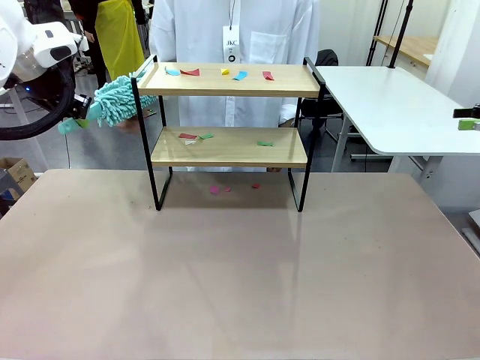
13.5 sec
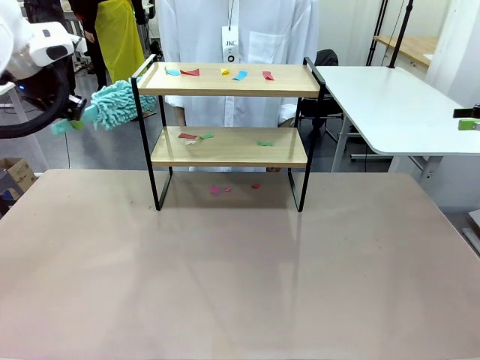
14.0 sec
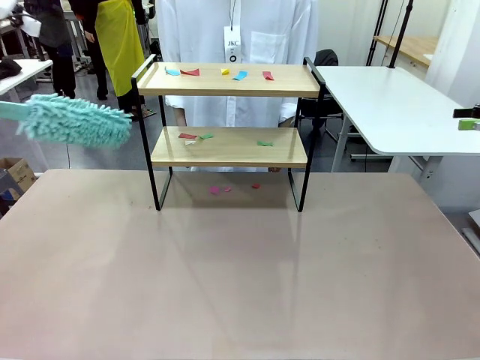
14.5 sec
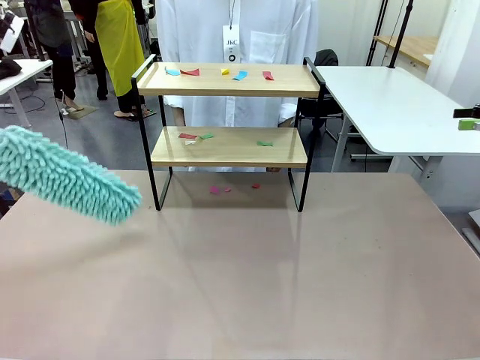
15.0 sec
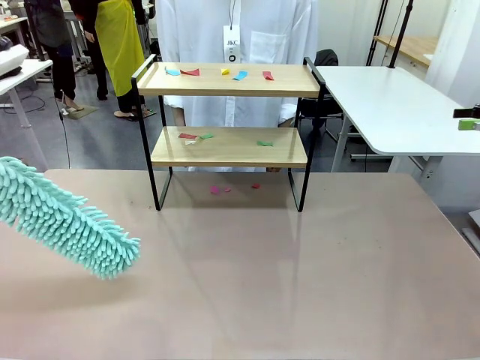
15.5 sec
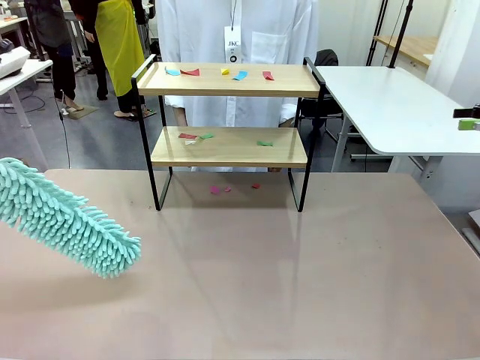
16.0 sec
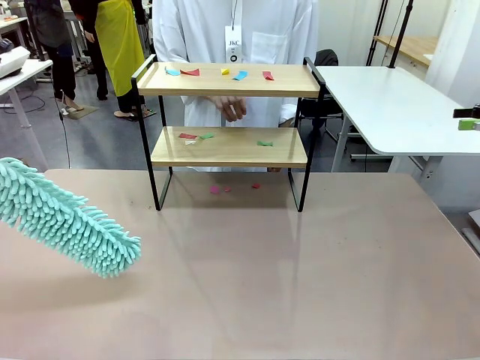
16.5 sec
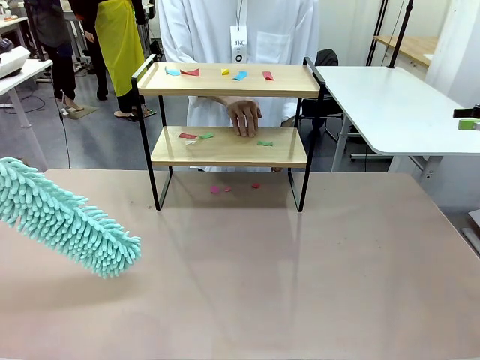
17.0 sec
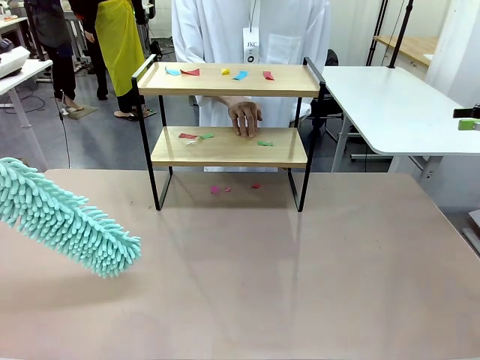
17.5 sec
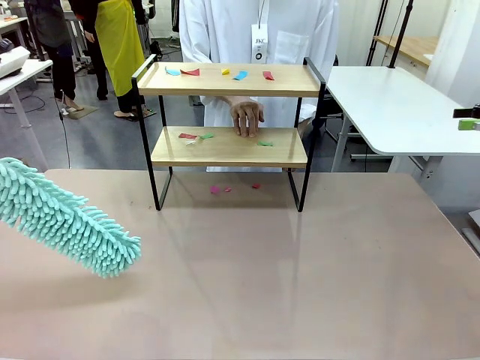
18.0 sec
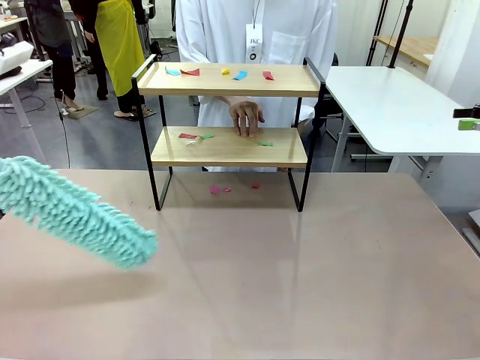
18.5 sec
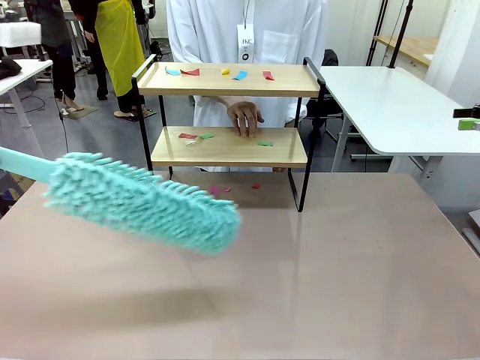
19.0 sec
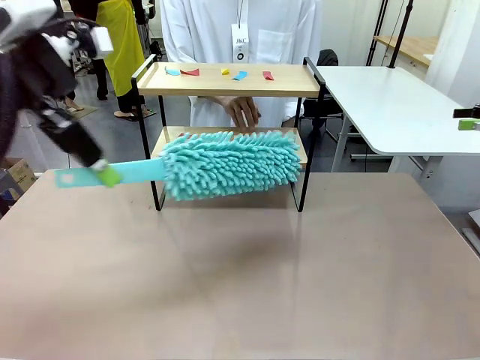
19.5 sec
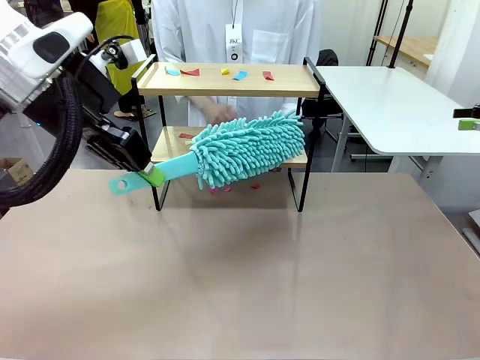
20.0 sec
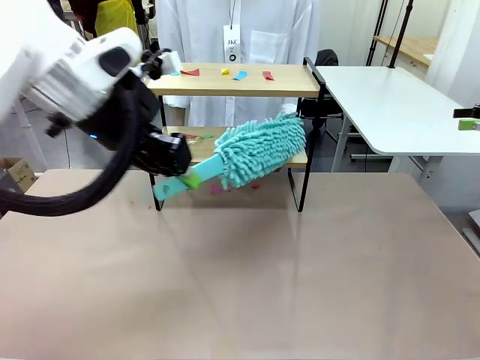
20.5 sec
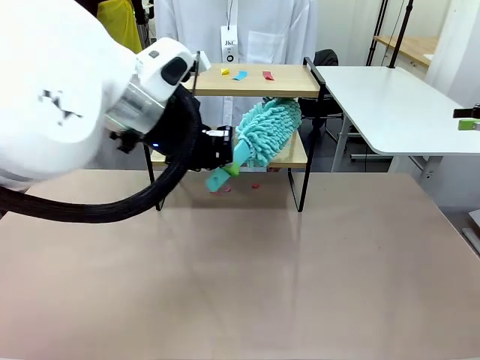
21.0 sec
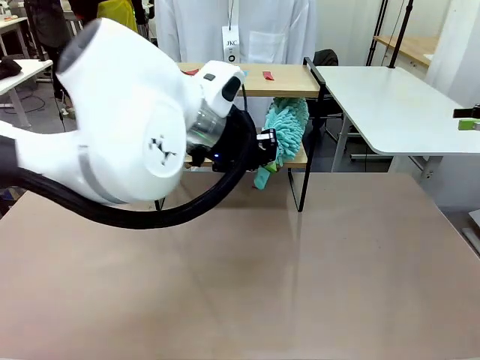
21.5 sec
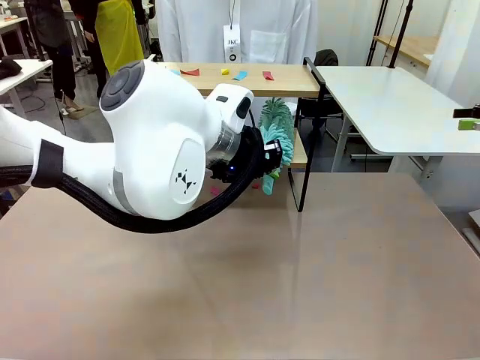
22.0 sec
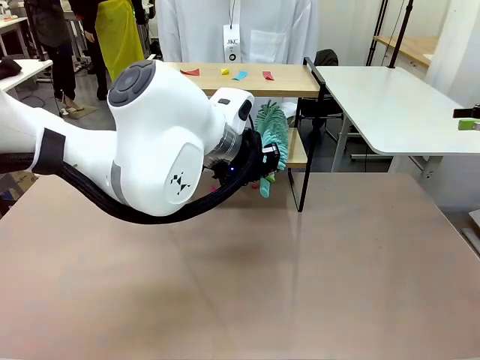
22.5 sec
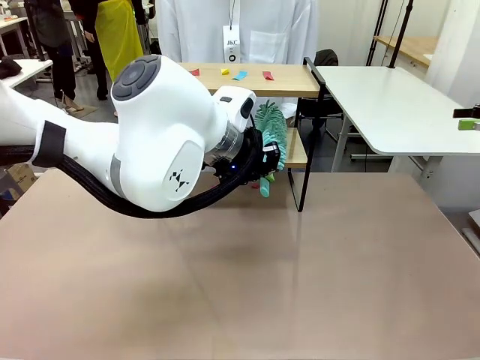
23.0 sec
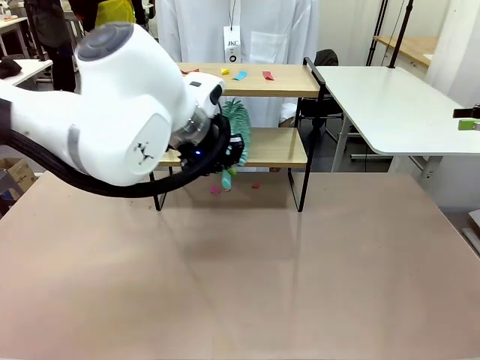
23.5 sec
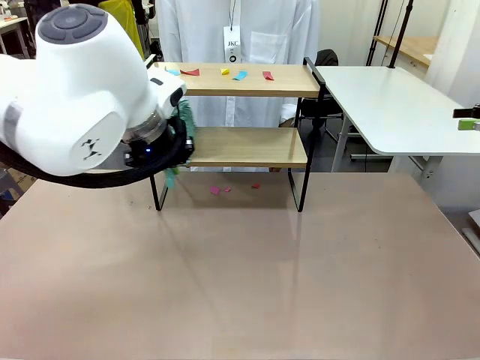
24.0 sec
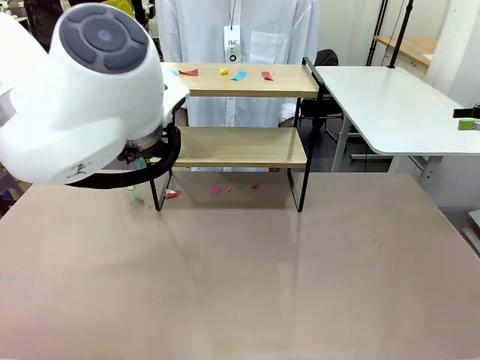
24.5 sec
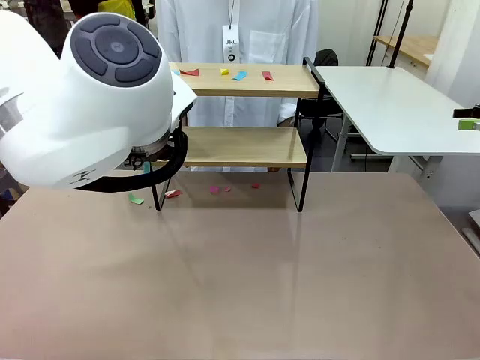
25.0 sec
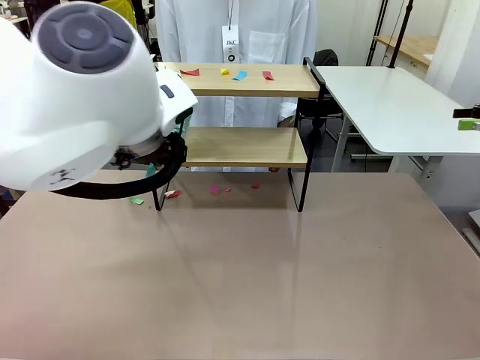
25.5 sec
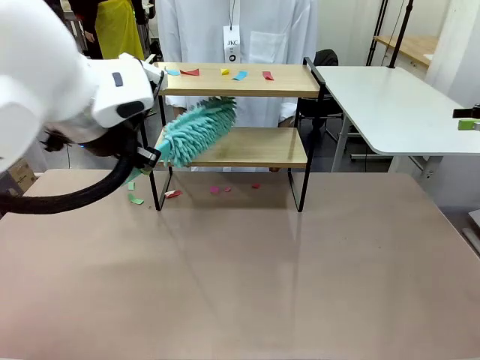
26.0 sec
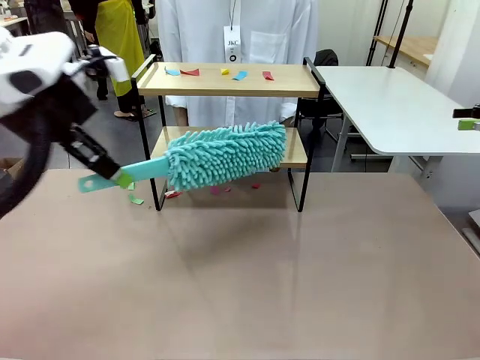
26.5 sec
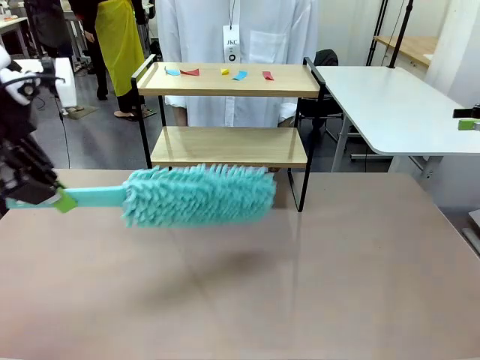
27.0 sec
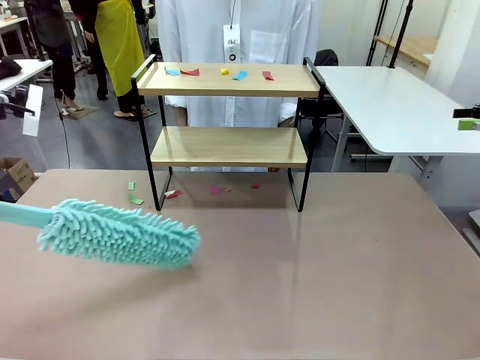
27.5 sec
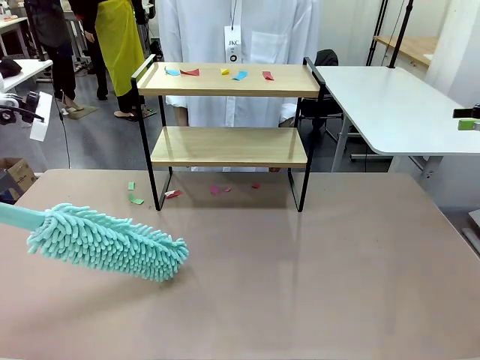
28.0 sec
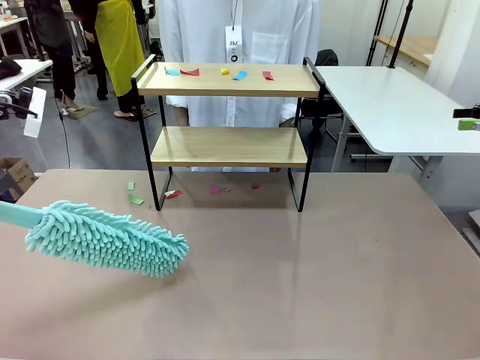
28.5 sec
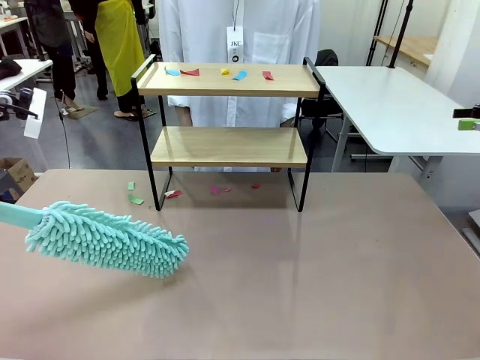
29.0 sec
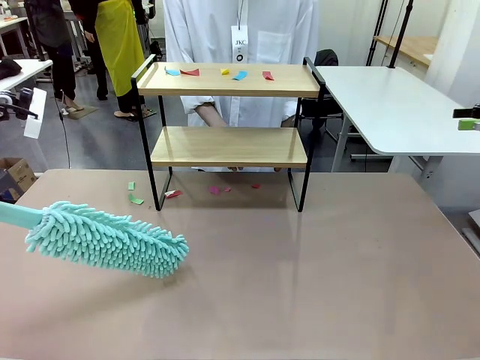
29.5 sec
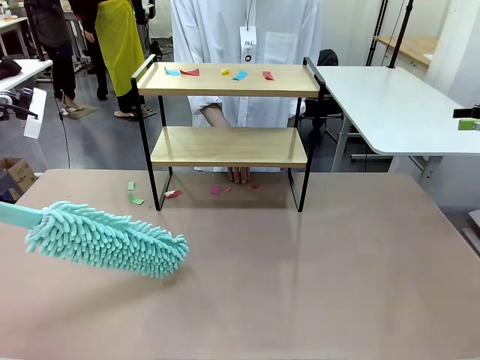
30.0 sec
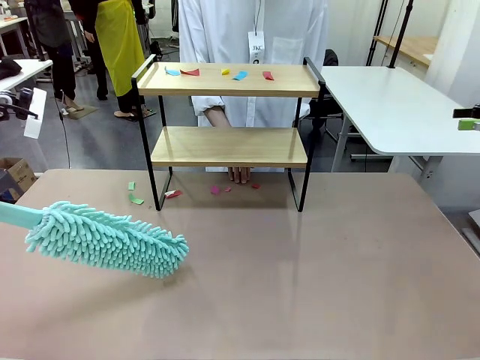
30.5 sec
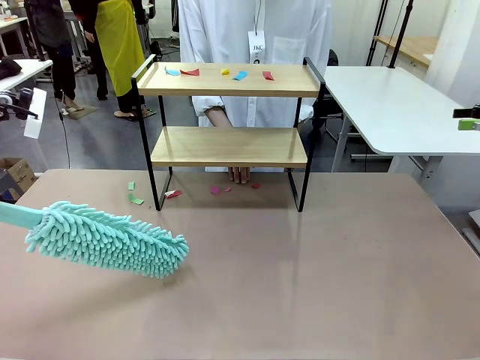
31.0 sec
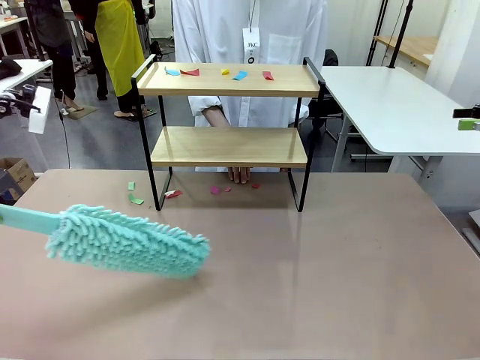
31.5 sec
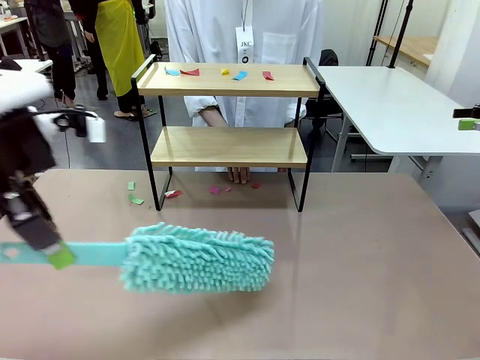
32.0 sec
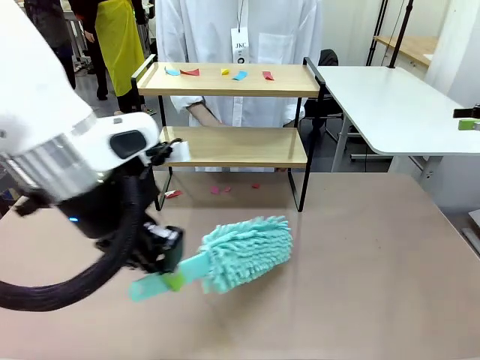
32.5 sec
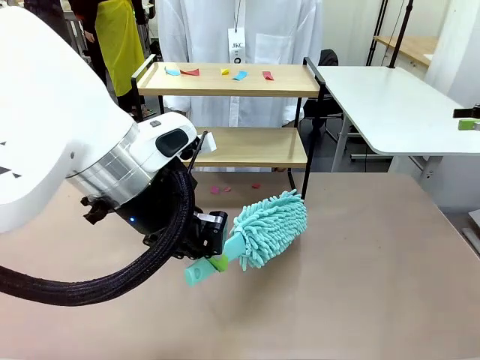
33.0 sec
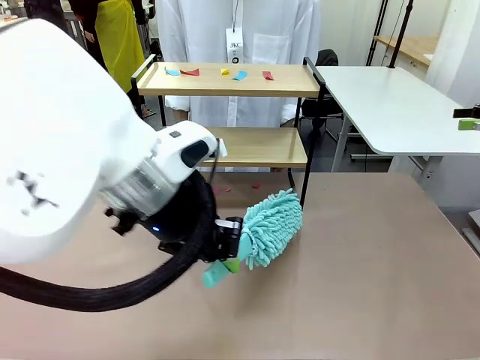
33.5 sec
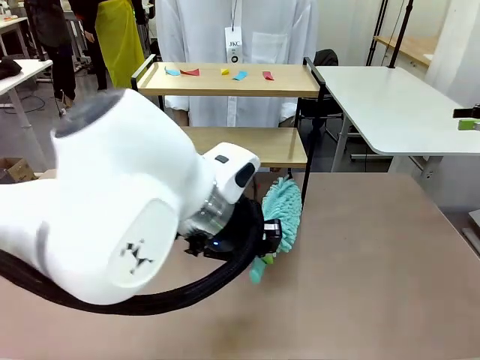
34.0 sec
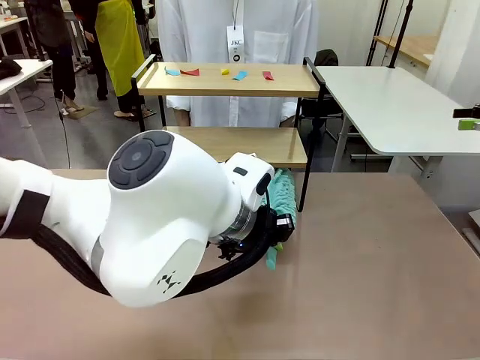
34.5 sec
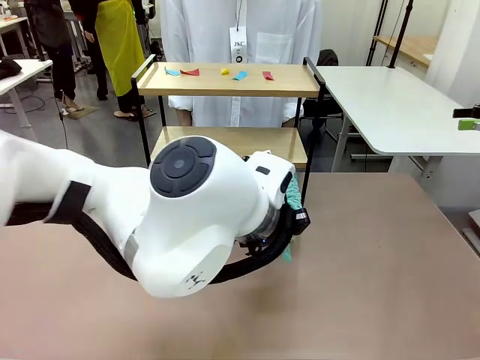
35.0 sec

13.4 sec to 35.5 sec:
Task: Clean the shelf.
Robot: Clean the specific section of the Shelf indicated by the human with the Duster.
Person: Point a random section of the Shelf.
